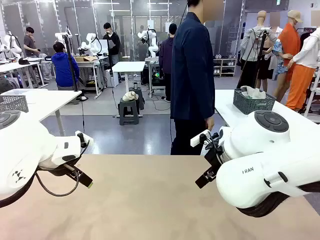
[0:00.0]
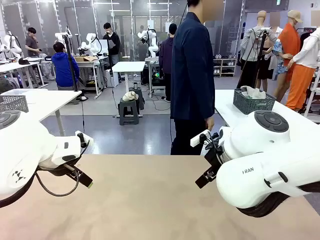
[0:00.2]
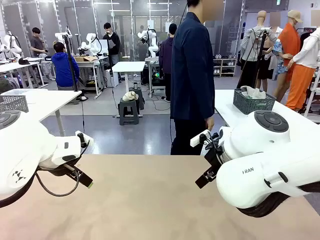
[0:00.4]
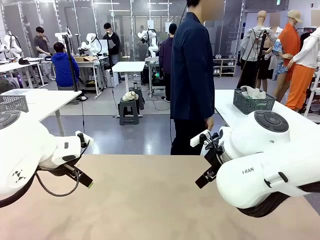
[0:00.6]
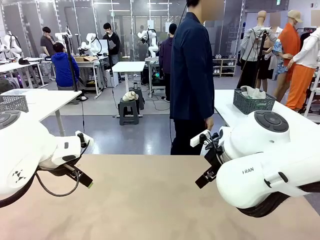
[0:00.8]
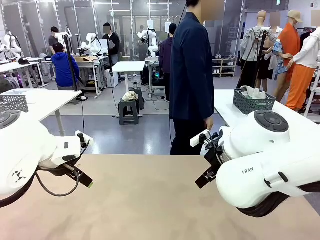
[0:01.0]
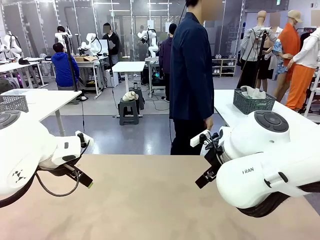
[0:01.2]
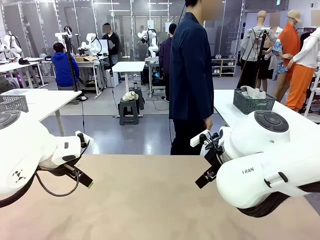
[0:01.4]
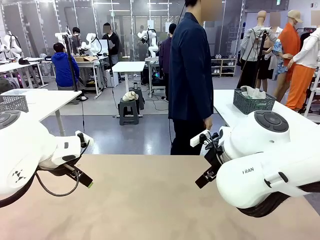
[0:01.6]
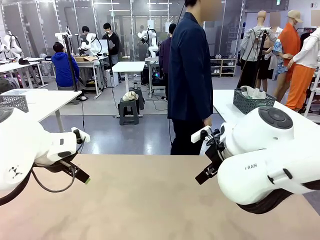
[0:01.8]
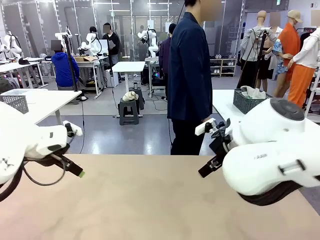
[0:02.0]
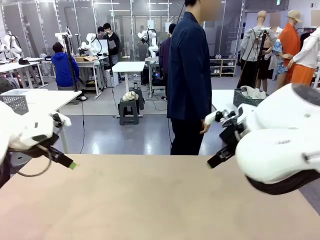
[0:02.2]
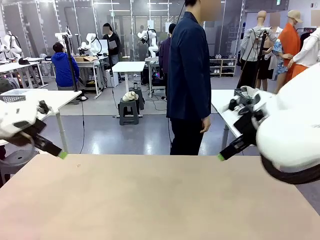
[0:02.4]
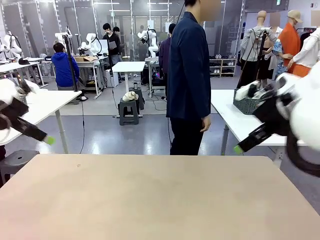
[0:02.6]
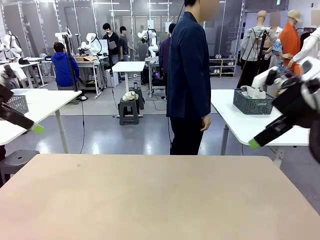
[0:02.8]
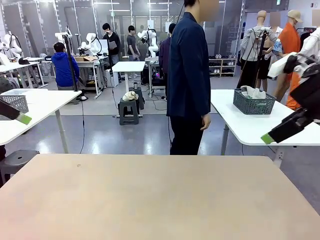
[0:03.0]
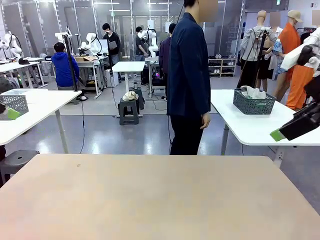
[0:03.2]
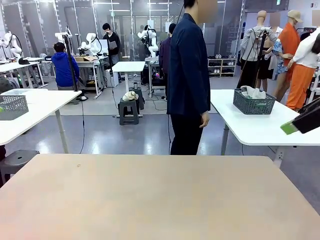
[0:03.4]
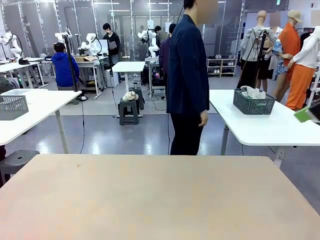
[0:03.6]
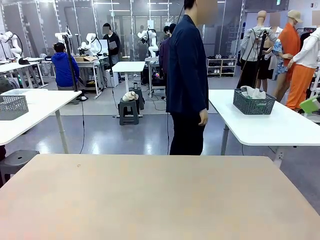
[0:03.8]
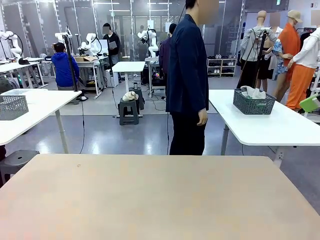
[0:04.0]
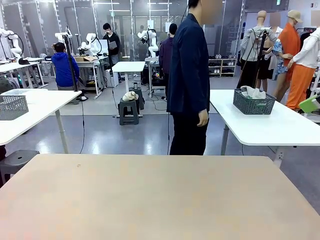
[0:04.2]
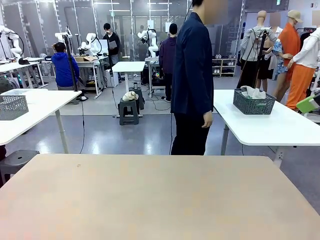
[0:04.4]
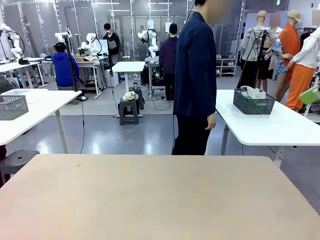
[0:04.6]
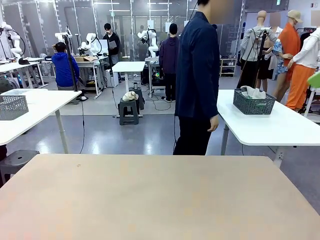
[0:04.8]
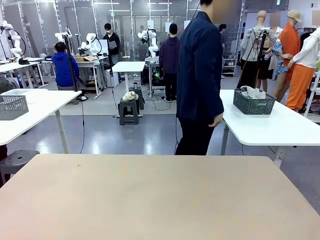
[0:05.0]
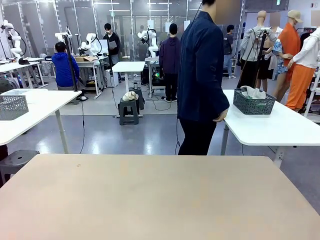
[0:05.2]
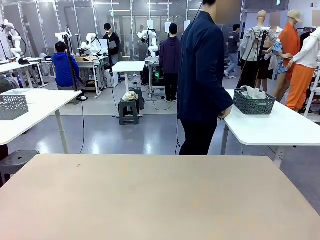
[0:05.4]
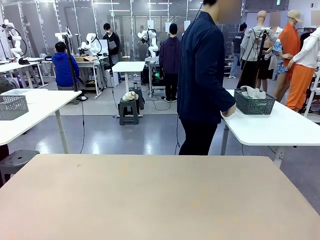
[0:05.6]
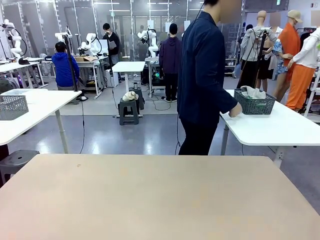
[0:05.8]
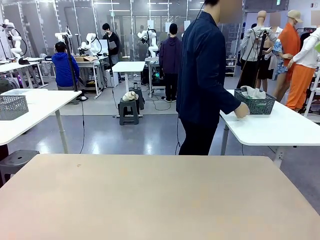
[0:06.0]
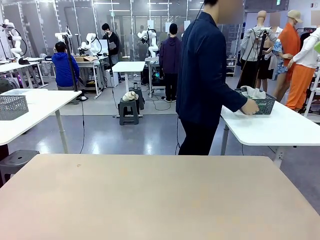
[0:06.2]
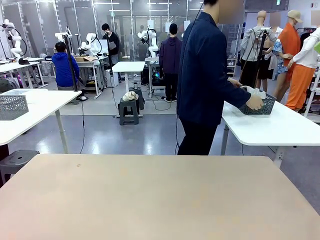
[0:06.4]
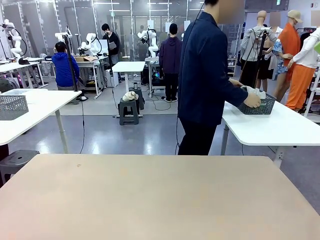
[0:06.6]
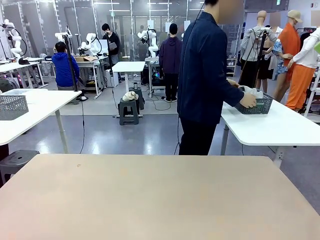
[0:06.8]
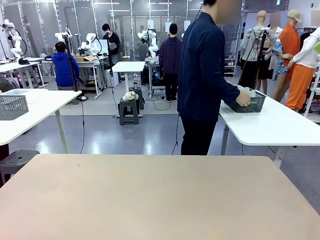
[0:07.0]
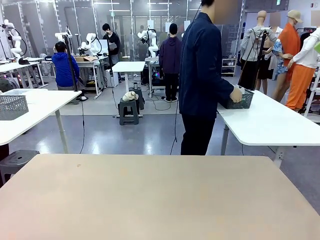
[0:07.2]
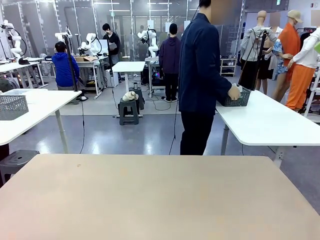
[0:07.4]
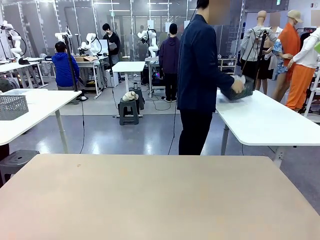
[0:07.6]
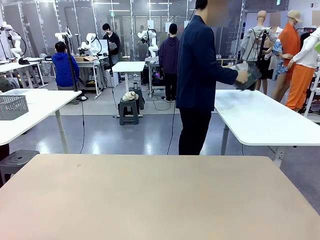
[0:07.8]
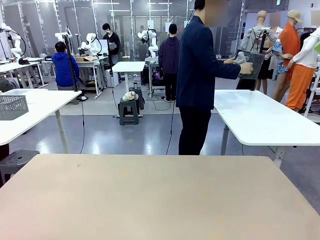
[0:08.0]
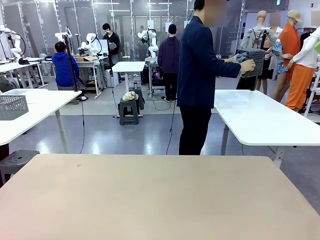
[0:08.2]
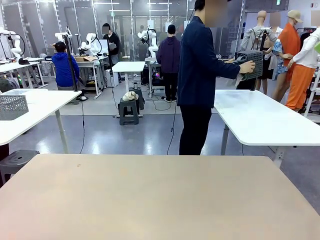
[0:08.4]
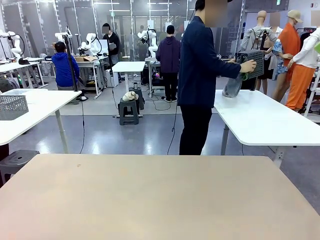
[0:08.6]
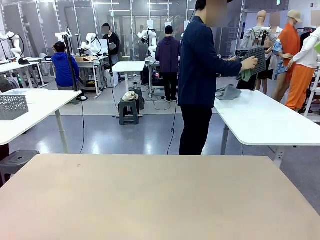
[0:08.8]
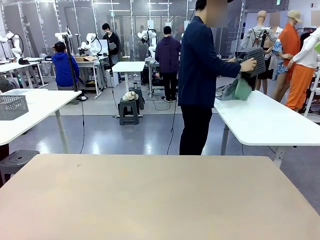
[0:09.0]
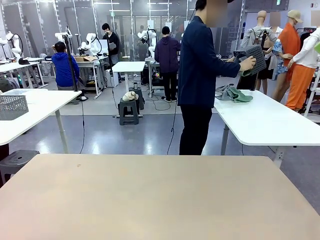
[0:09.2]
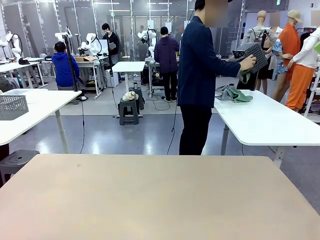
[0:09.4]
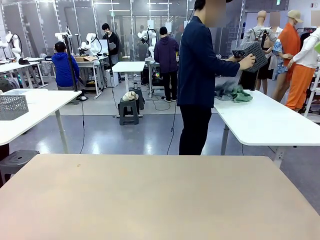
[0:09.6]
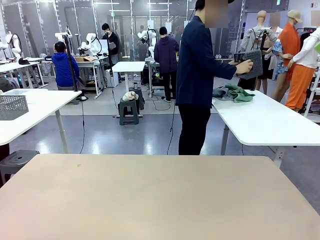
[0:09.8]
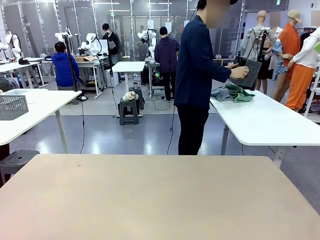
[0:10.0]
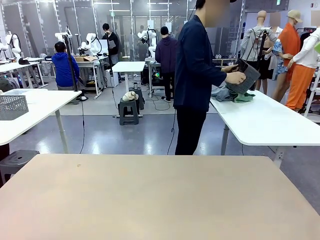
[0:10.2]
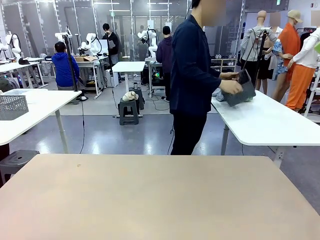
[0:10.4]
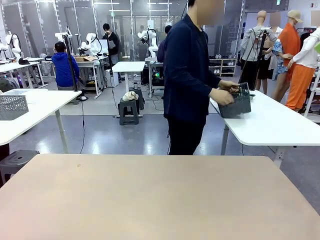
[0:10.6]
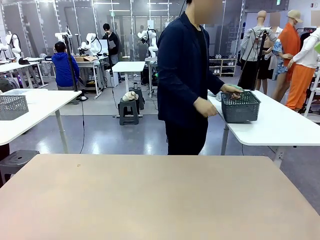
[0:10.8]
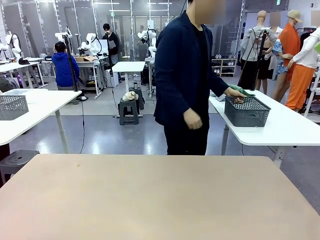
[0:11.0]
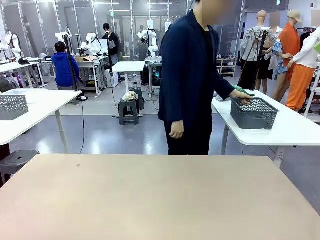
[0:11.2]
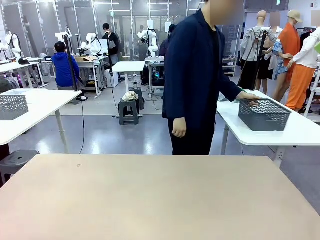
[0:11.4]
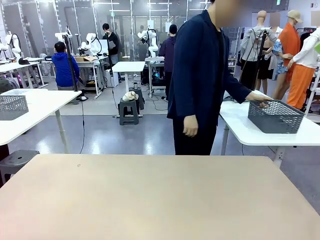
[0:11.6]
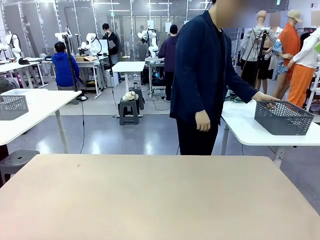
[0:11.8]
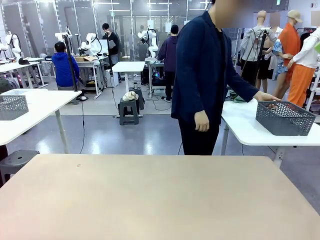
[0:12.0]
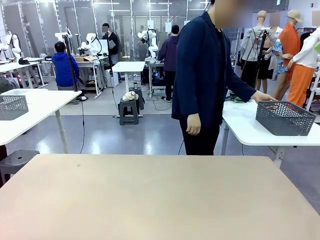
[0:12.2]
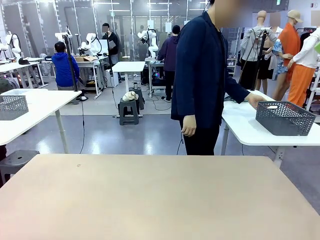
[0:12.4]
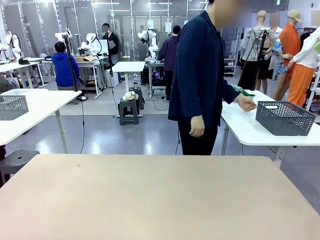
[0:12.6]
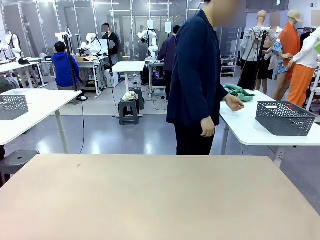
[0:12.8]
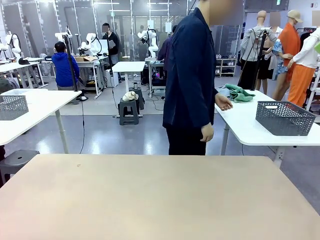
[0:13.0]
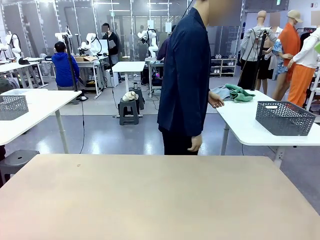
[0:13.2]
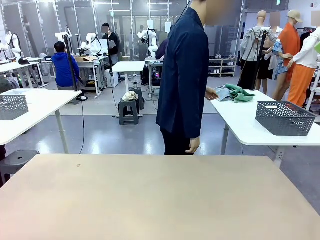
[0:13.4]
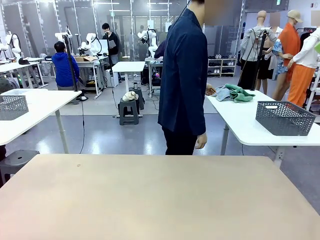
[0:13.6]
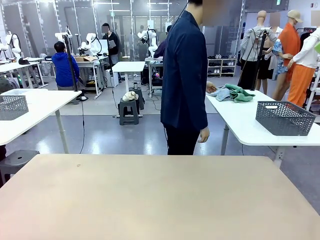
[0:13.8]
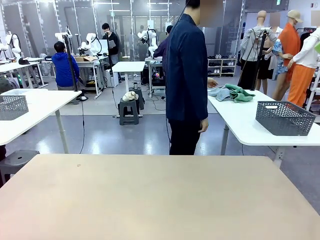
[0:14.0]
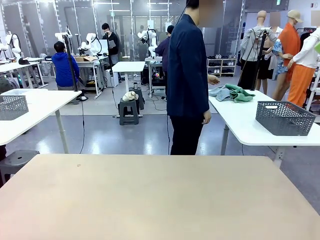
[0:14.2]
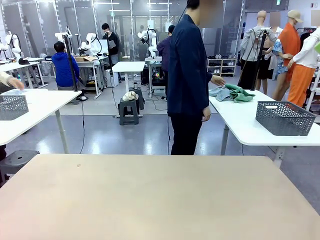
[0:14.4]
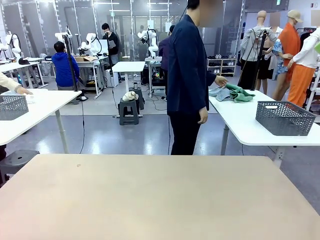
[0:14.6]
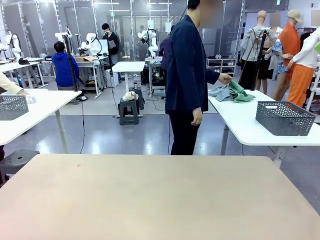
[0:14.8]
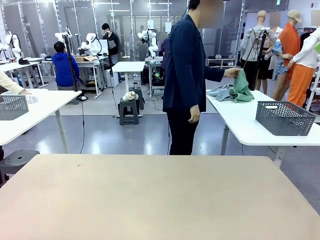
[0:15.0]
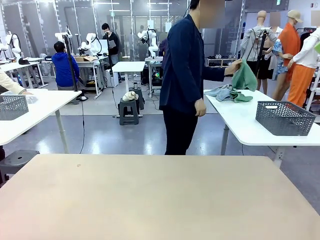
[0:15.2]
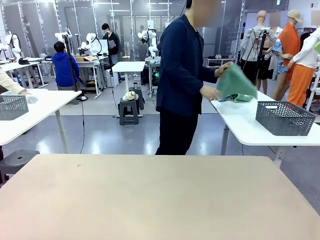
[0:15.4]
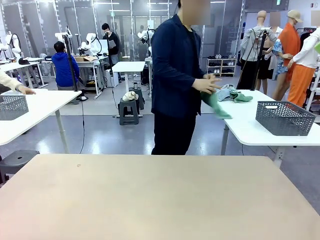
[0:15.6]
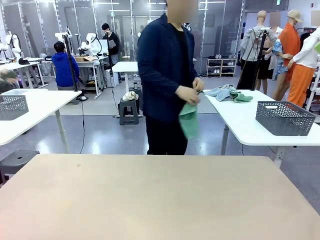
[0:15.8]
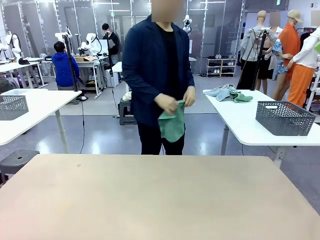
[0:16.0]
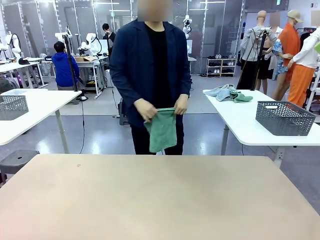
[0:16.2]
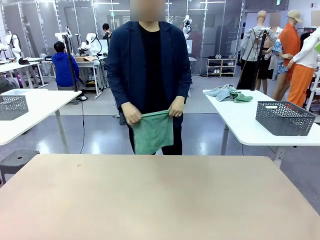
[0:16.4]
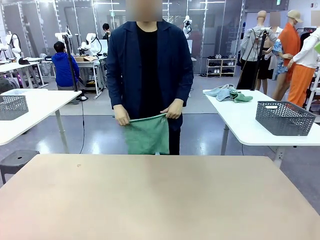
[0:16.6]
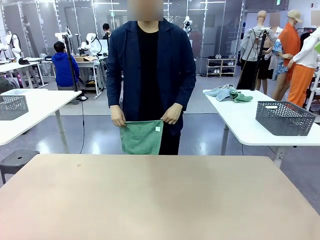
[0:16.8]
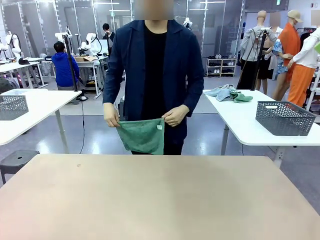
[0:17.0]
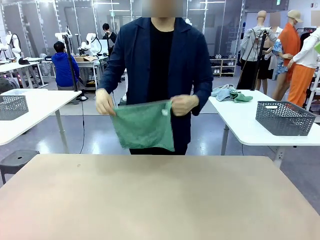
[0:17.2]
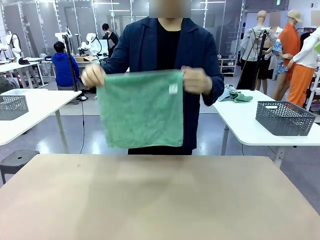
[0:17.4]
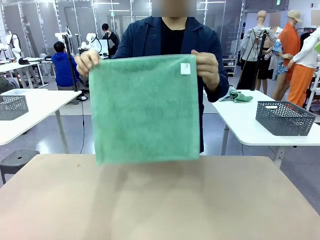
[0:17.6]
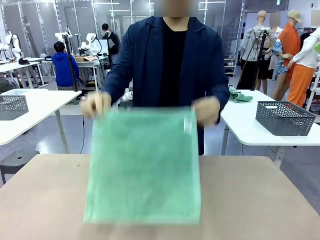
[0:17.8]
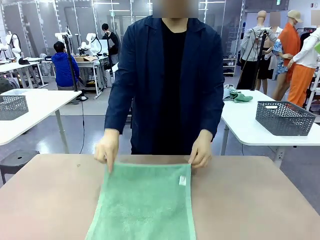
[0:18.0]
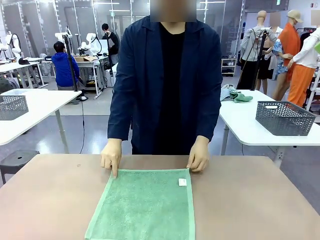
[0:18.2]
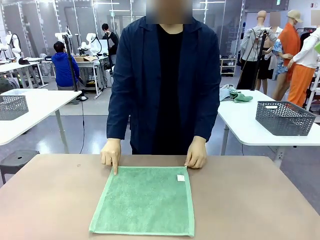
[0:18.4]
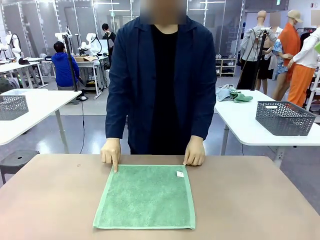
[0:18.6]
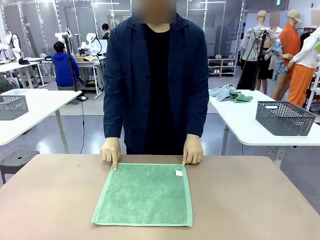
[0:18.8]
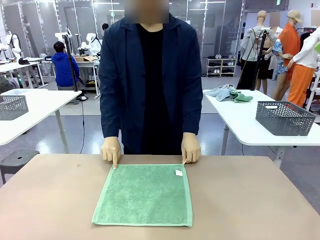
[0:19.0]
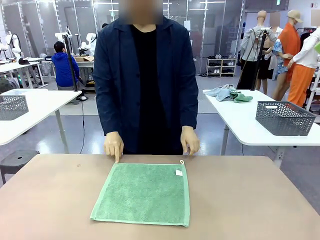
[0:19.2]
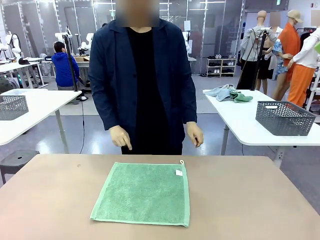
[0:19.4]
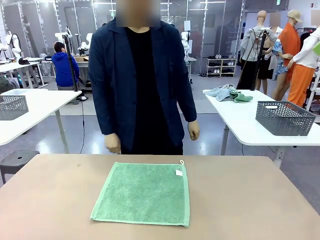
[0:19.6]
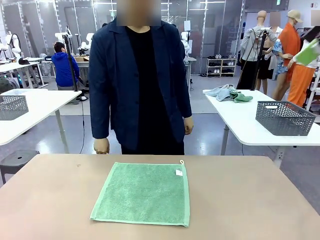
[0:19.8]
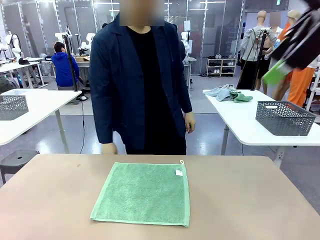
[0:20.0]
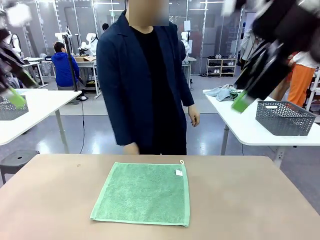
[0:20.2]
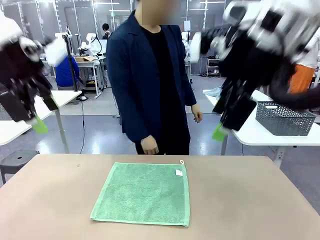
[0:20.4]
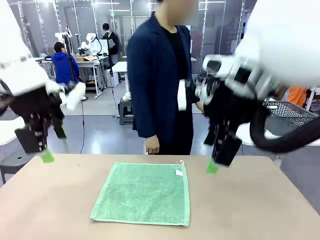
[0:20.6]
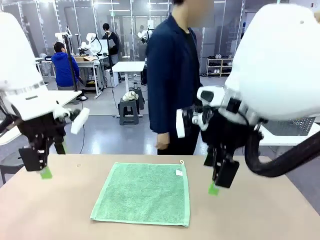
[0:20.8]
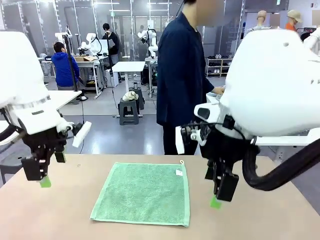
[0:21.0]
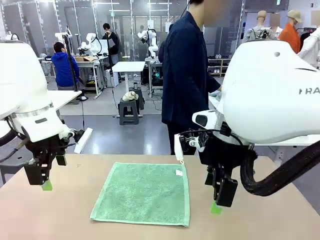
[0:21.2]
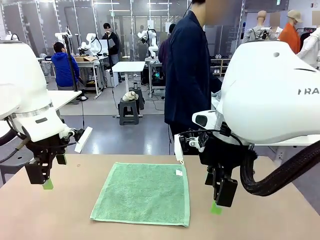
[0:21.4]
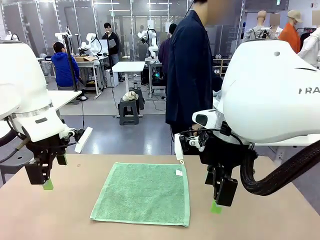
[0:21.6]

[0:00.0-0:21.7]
Task: Fold the towels and place them in the basket.
Robot: When a person lays out a Towel with hook on the table, fold it in half twice.
Person: Pick up the basket, pour the towels onto the left side of the human table, and place the basket on the right side. Pick up one towel and spread it out at the center of the robot table.
